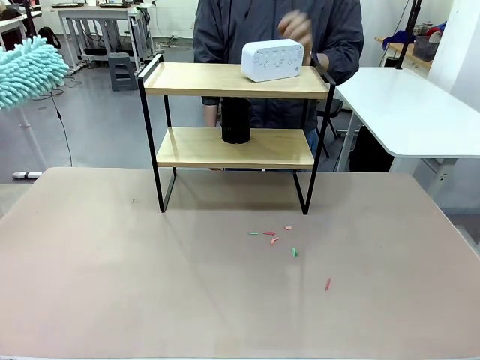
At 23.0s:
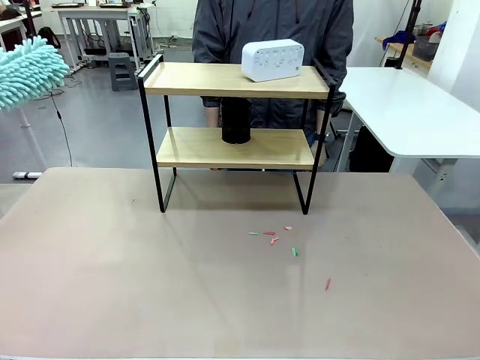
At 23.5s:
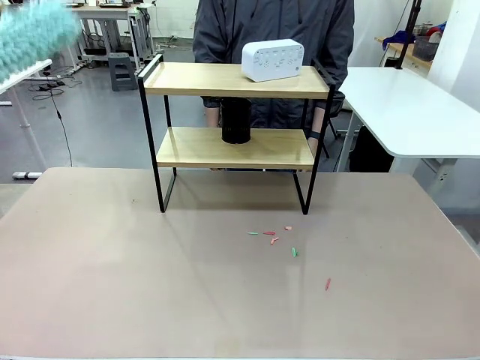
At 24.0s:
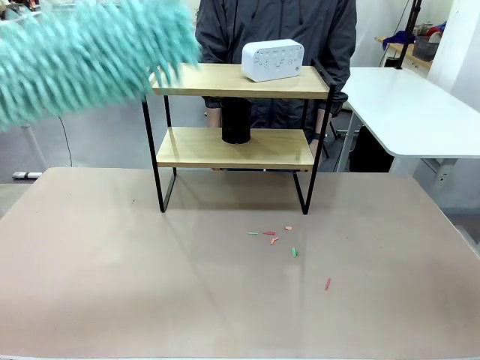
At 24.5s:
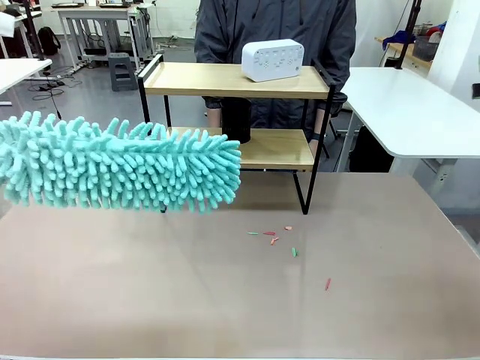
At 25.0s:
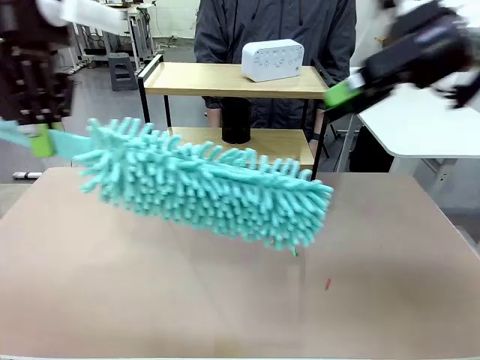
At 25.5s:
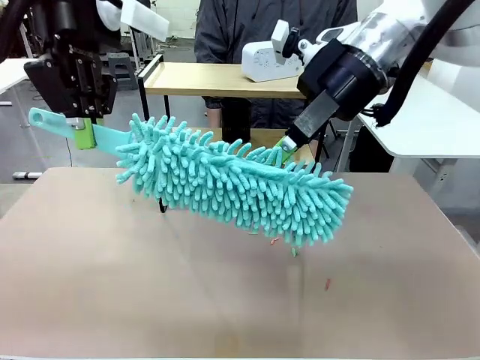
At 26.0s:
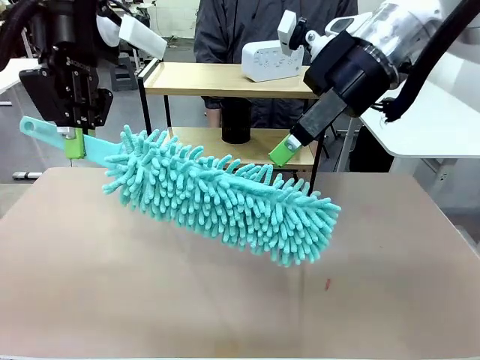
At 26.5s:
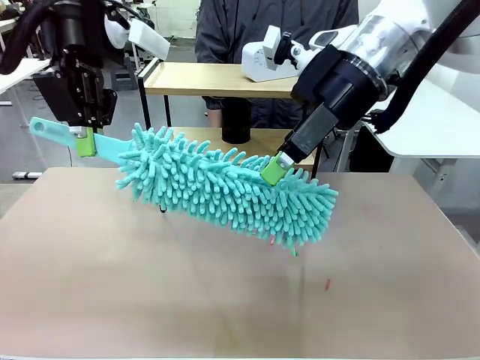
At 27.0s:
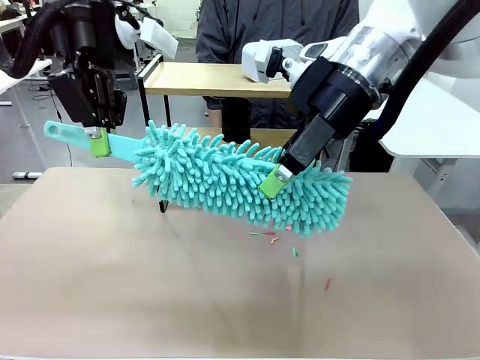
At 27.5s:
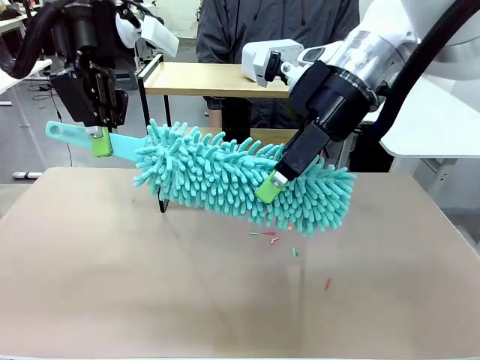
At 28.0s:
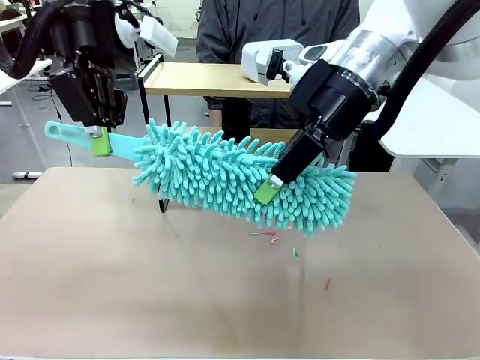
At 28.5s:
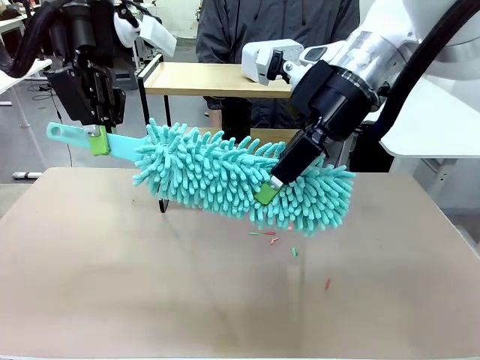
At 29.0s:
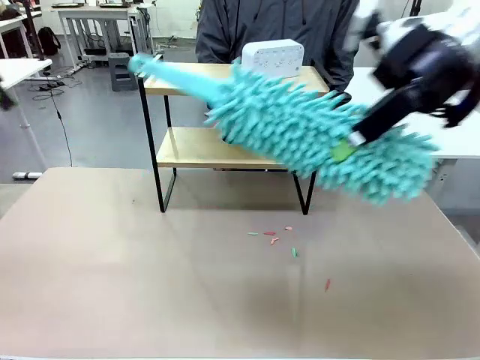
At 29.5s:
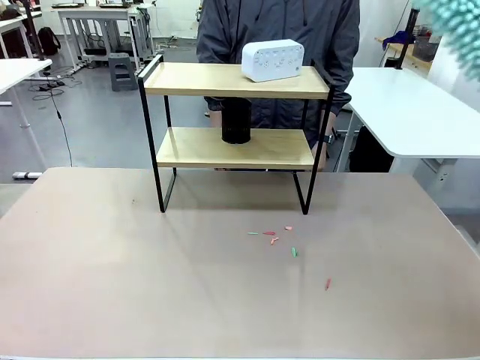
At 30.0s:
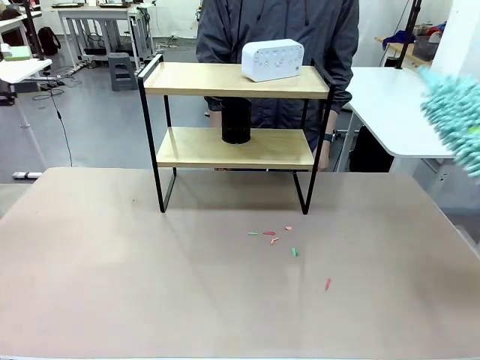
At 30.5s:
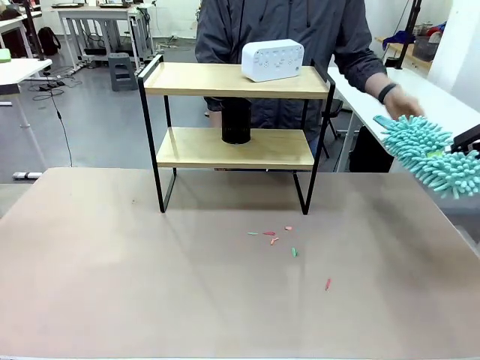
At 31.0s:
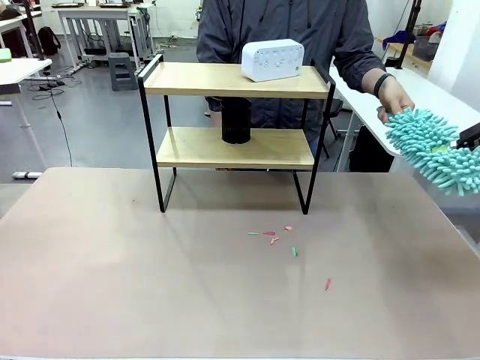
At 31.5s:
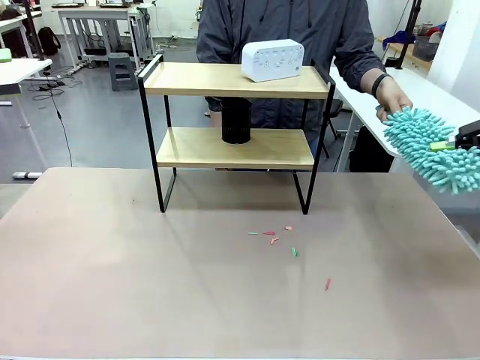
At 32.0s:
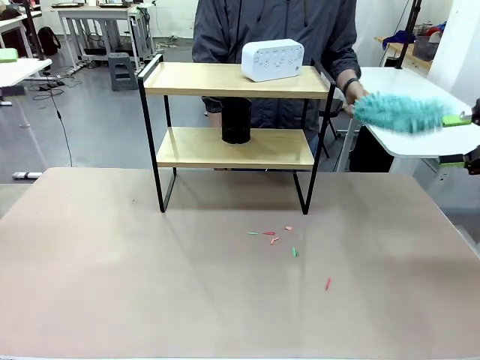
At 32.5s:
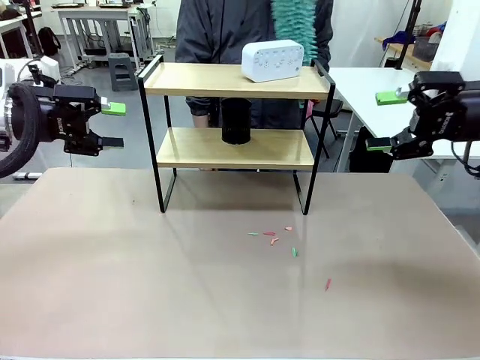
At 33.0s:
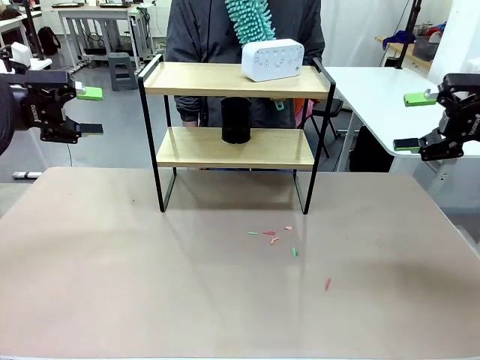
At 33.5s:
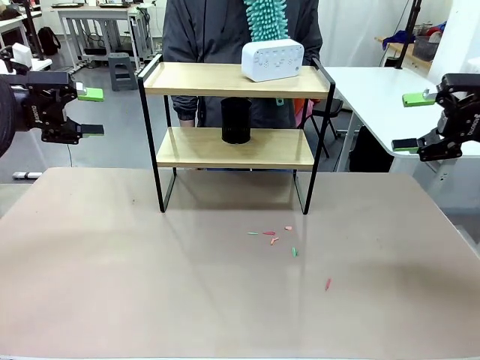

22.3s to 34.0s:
Task: Clean the shelf.
Robot: Hand the Duster back to the human.
Person: Receive the Duster from the robot.

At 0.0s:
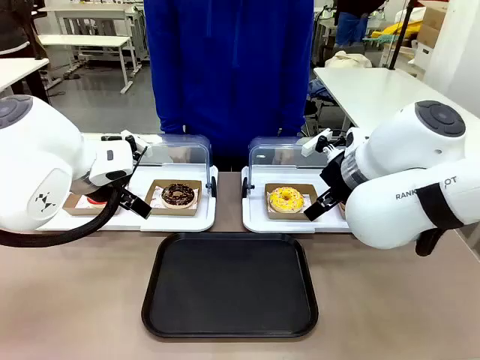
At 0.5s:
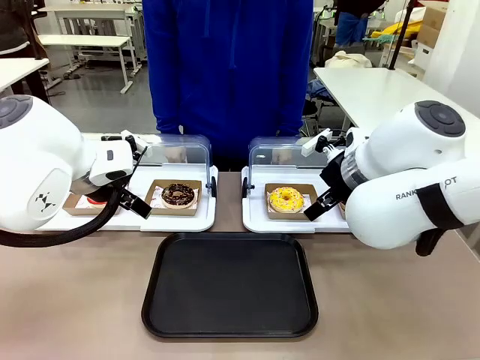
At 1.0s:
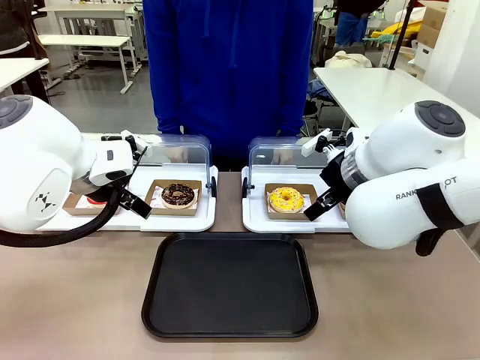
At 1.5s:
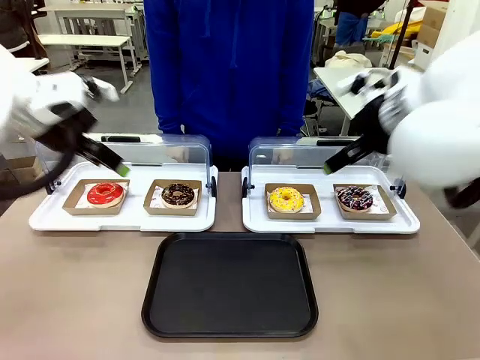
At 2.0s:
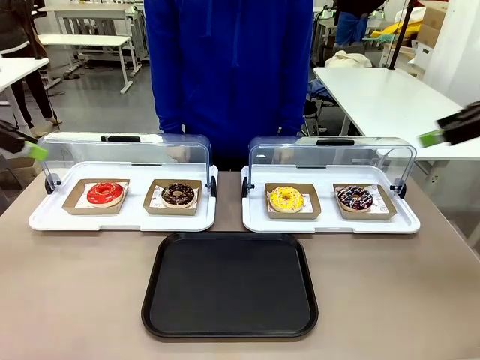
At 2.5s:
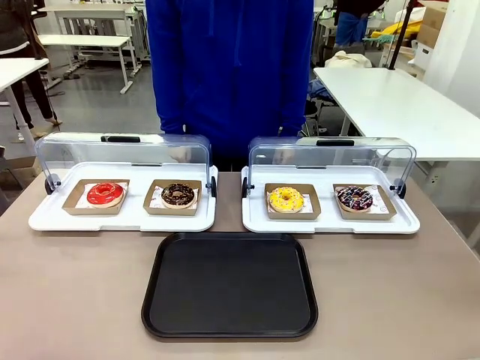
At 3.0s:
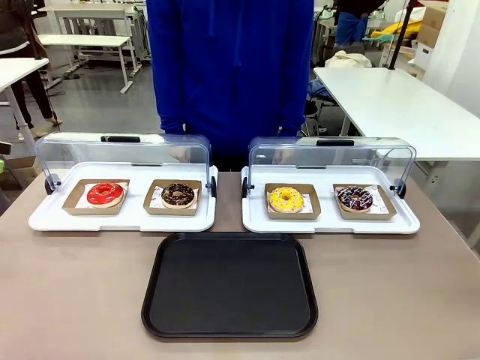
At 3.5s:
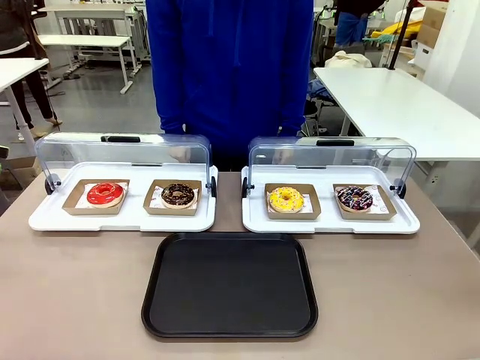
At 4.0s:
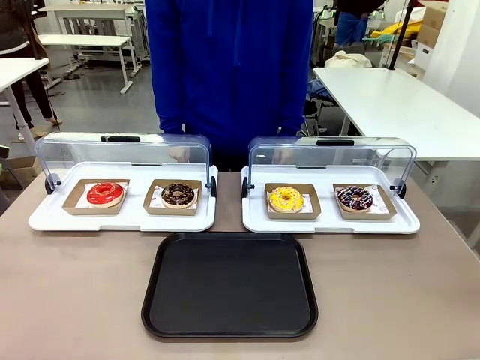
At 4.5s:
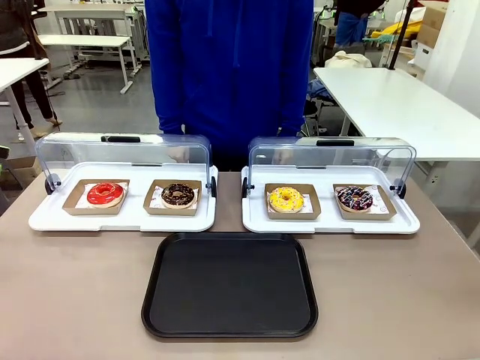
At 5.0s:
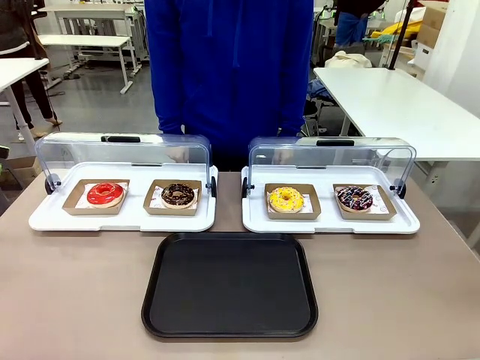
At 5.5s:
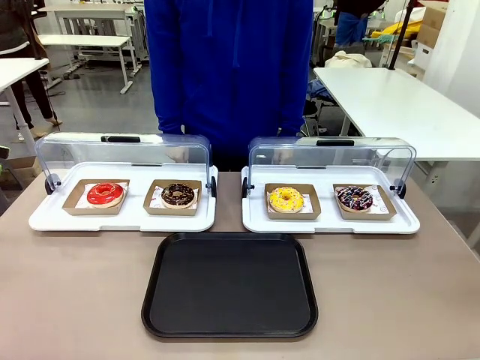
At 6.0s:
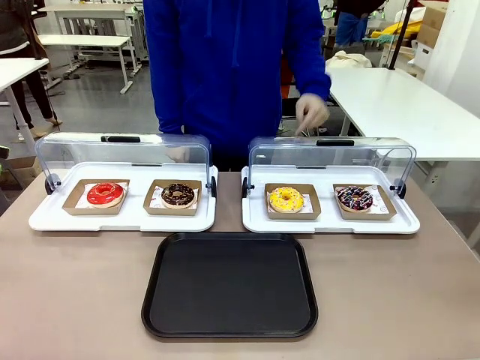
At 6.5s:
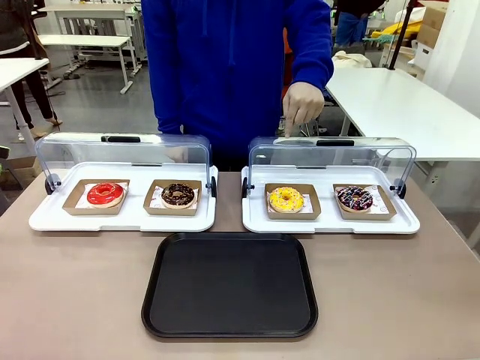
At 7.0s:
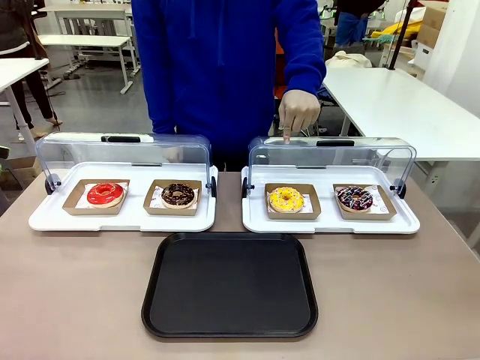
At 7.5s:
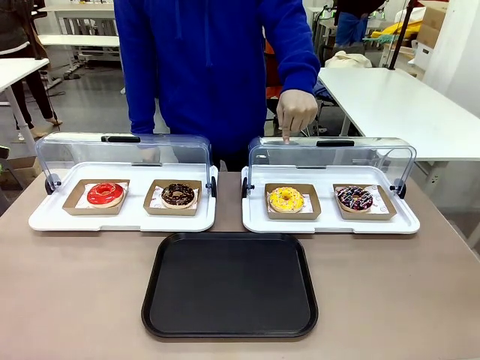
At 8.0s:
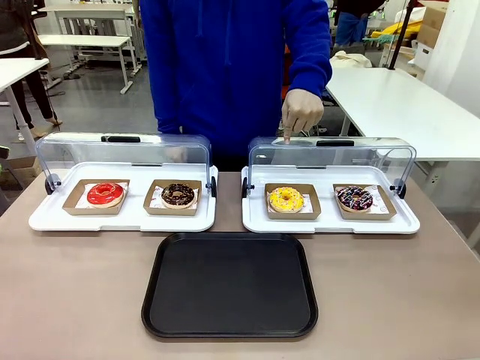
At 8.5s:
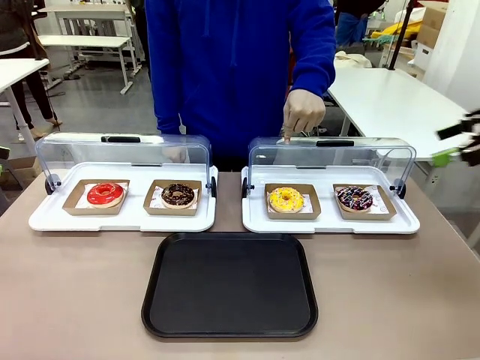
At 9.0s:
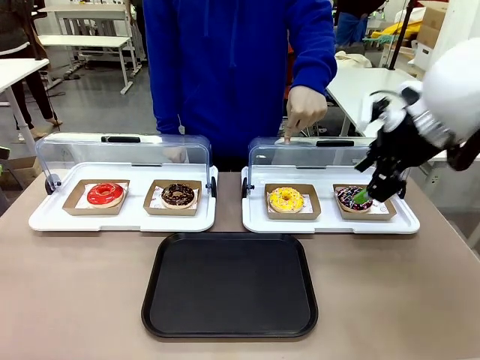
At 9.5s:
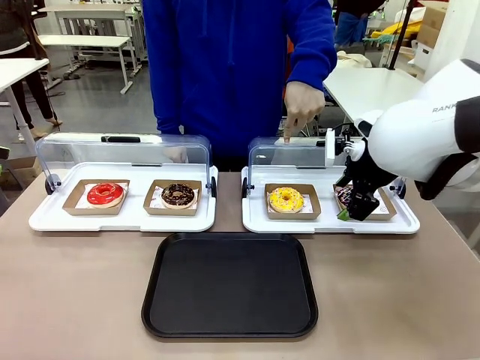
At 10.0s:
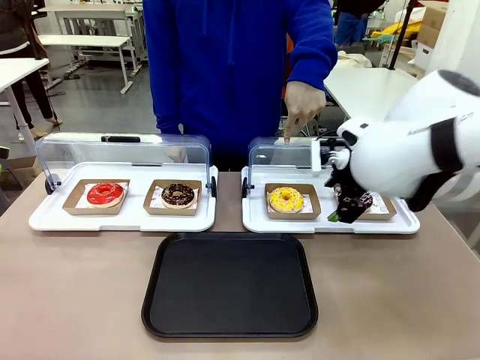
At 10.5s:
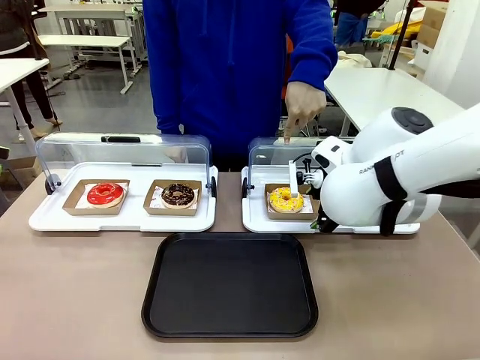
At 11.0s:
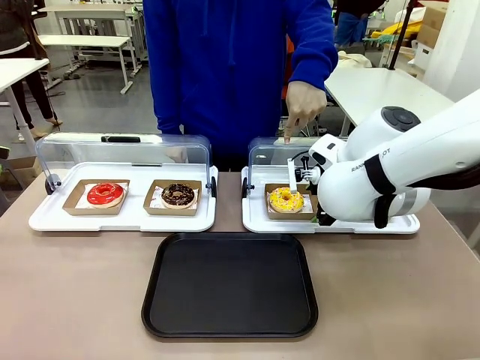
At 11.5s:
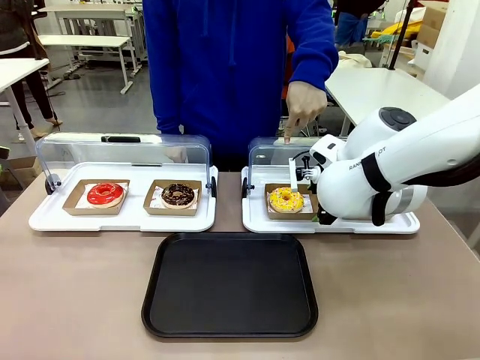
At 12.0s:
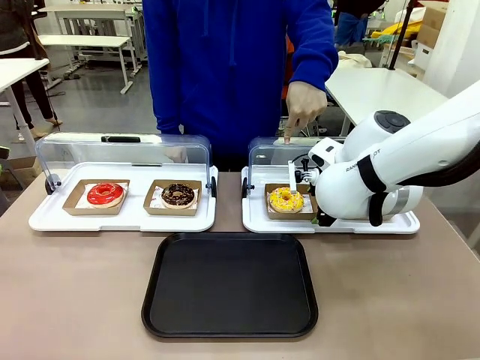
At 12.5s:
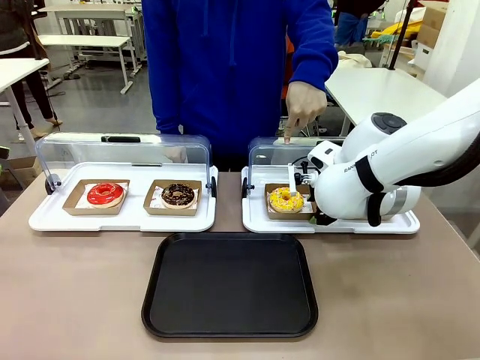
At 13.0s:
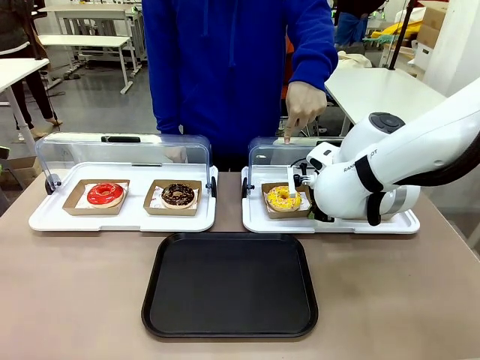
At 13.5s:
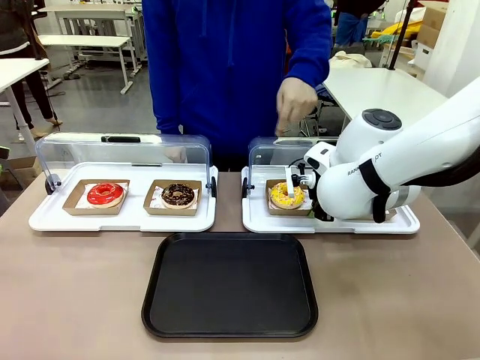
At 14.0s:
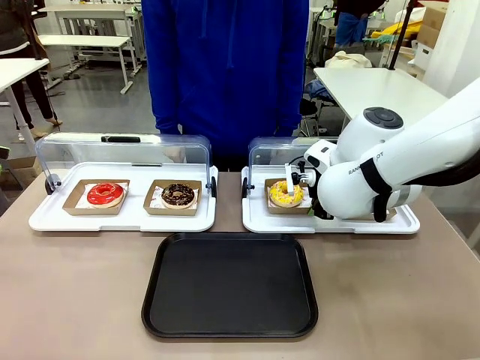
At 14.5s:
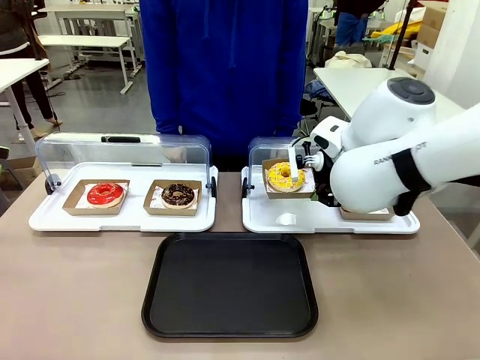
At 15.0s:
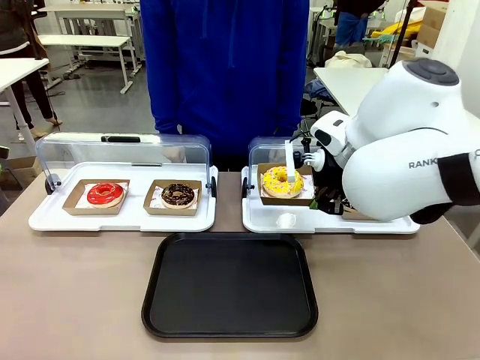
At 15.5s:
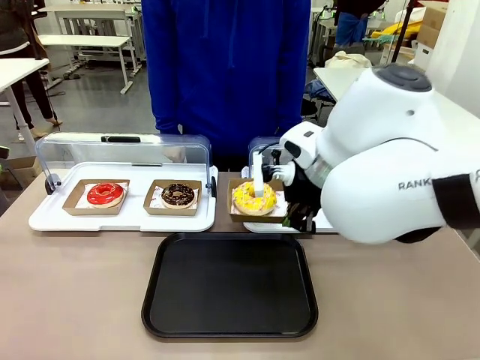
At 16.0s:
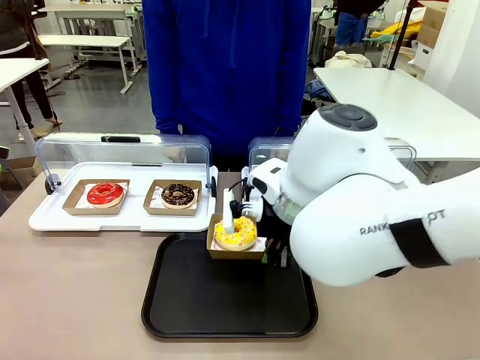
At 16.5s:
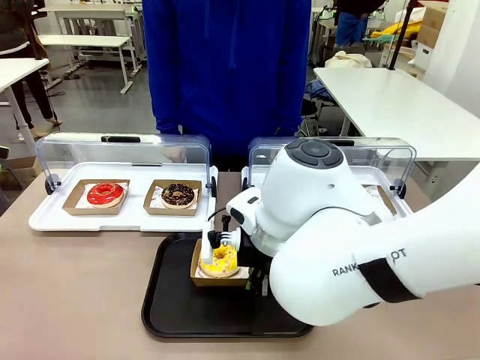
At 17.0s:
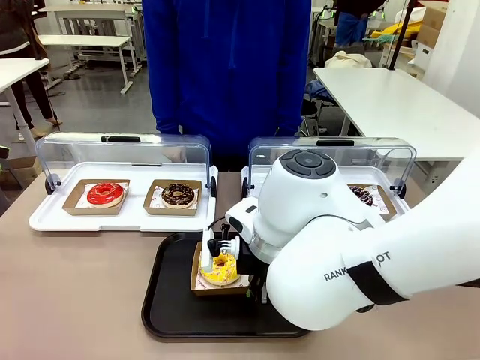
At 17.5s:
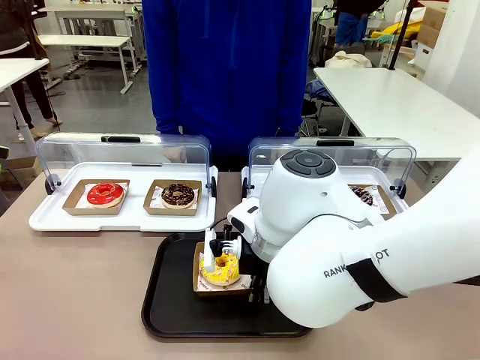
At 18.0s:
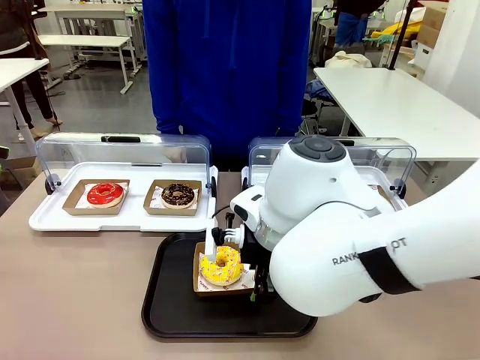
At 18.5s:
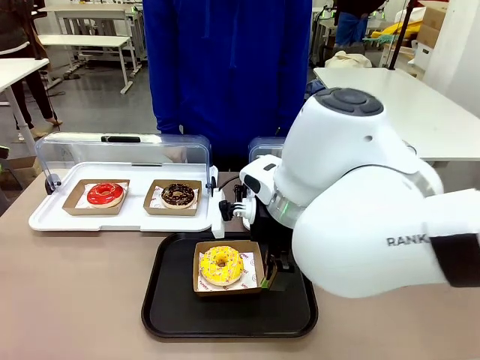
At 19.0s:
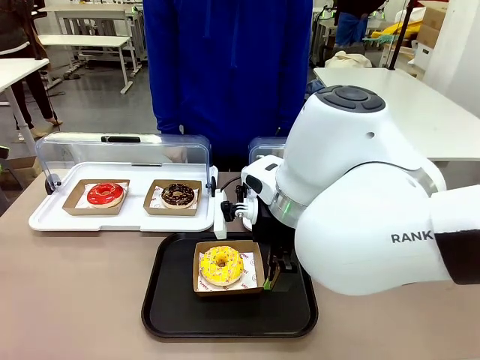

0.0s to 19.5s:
Task: Move the third donut from the left to the tray.
Robot: Pick up the Paper togo box containing the Donut indicated by the person and place it on the Handle tray.
Person: Points to the third donut from the left from the robot’s perspective.
